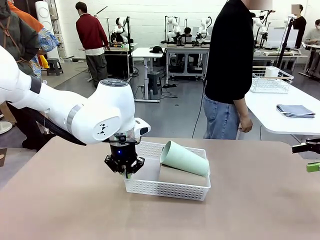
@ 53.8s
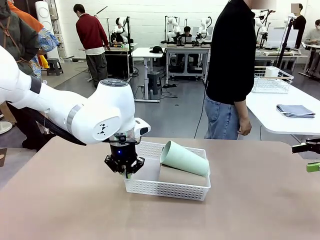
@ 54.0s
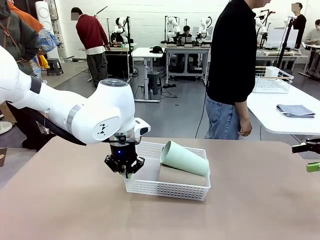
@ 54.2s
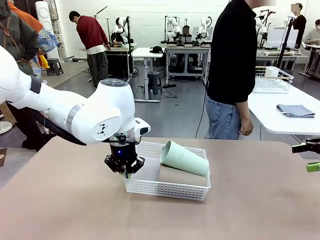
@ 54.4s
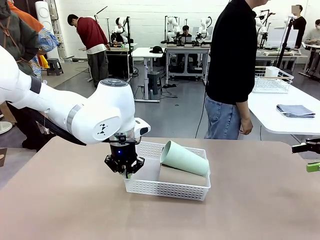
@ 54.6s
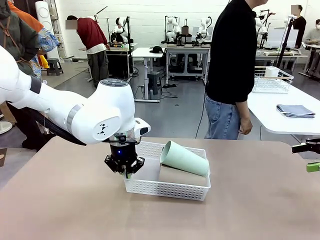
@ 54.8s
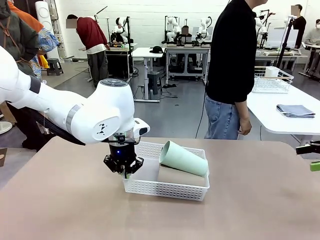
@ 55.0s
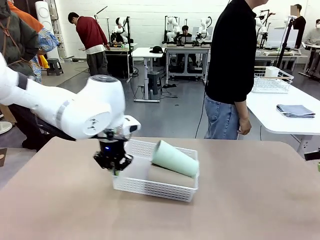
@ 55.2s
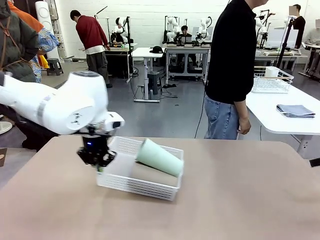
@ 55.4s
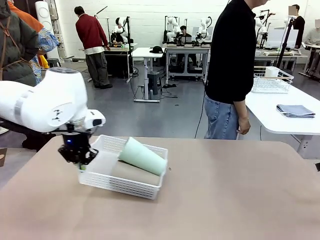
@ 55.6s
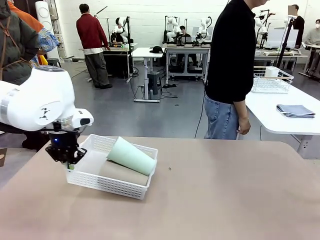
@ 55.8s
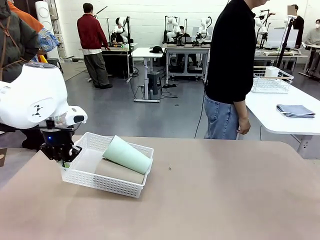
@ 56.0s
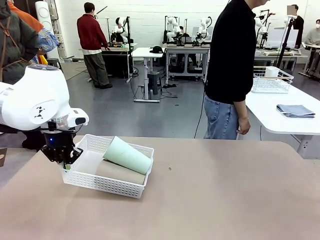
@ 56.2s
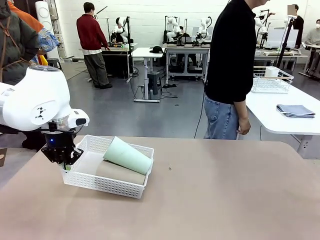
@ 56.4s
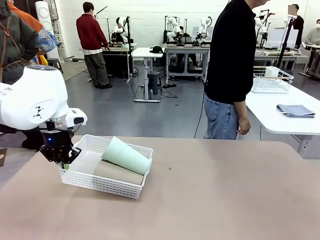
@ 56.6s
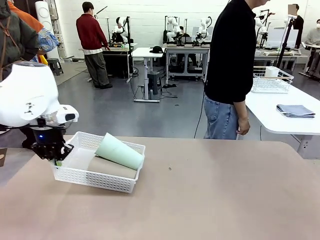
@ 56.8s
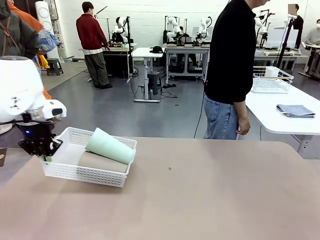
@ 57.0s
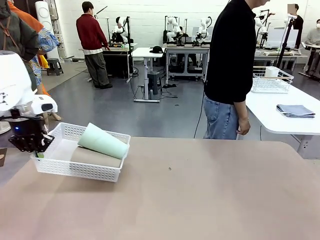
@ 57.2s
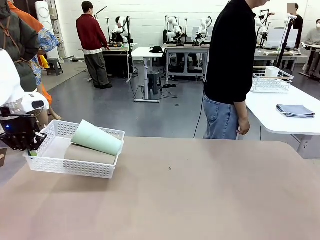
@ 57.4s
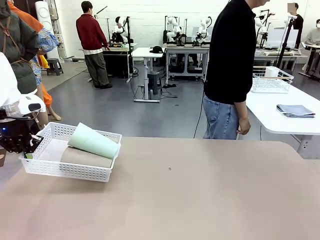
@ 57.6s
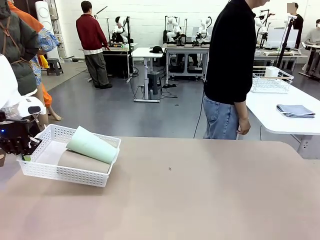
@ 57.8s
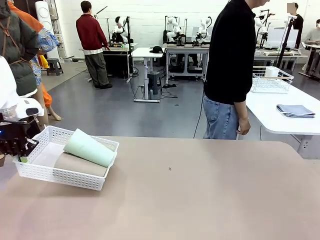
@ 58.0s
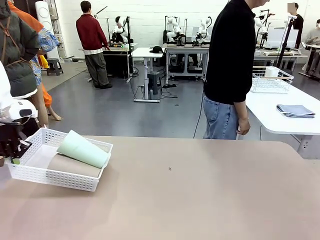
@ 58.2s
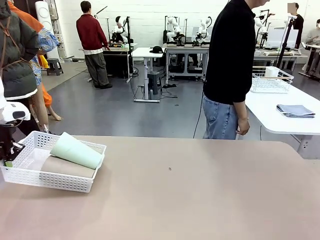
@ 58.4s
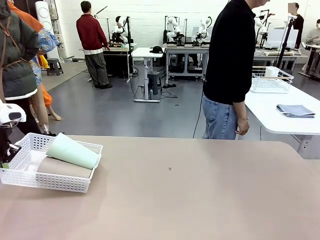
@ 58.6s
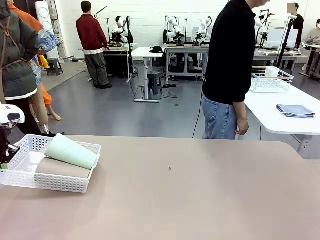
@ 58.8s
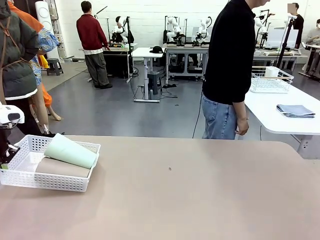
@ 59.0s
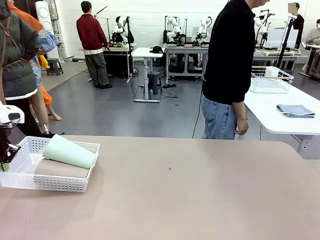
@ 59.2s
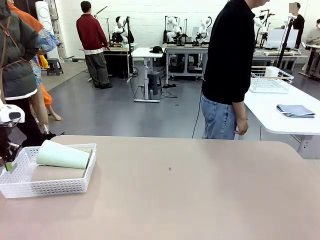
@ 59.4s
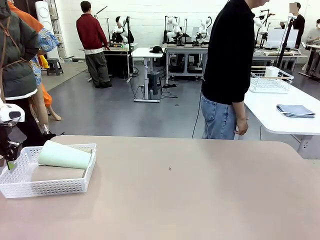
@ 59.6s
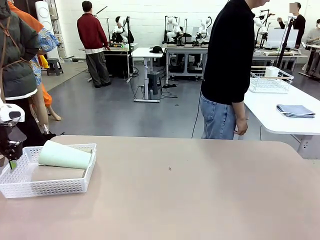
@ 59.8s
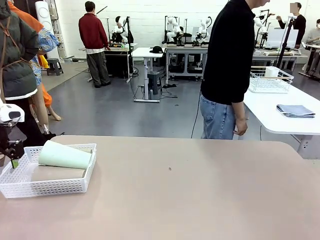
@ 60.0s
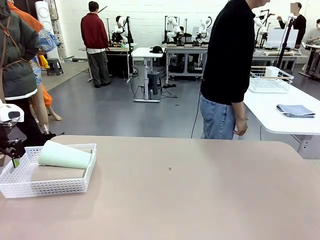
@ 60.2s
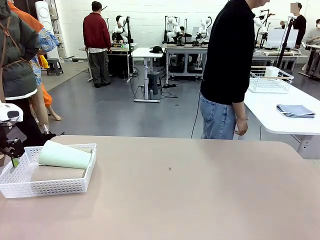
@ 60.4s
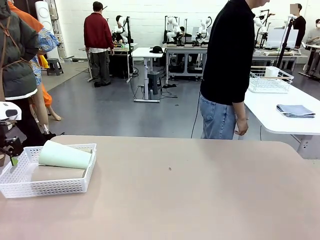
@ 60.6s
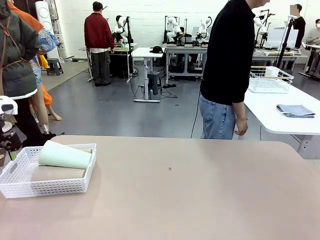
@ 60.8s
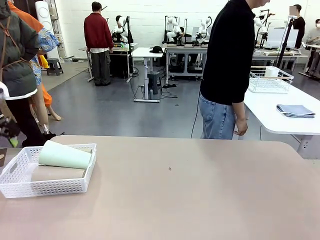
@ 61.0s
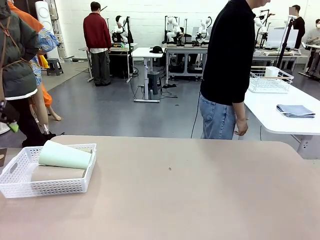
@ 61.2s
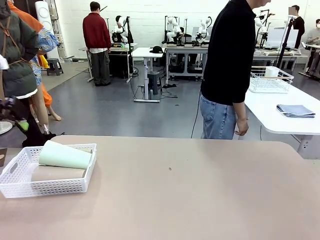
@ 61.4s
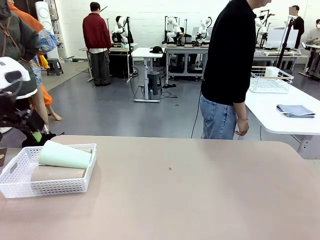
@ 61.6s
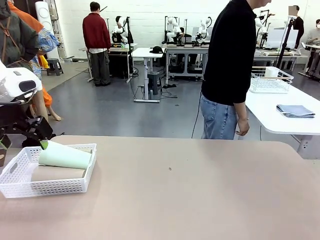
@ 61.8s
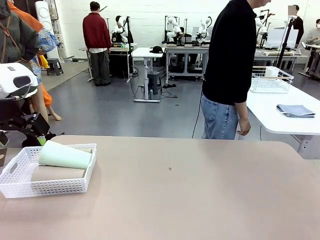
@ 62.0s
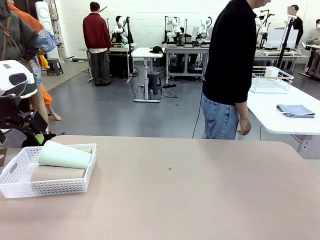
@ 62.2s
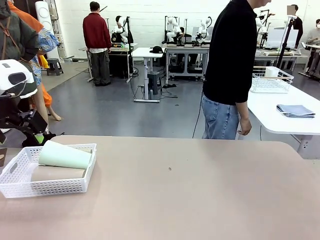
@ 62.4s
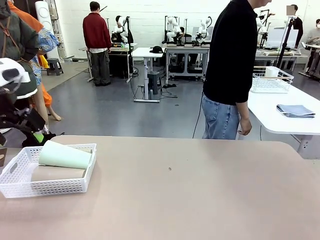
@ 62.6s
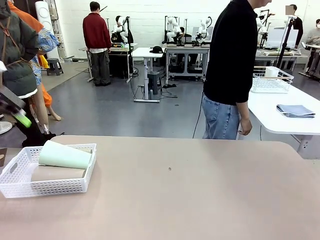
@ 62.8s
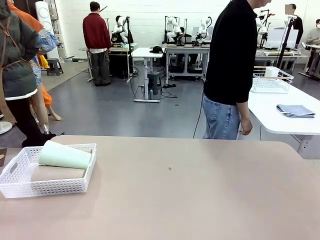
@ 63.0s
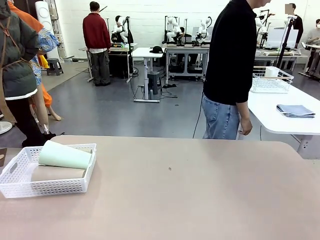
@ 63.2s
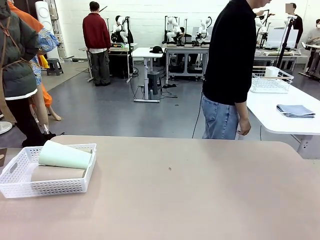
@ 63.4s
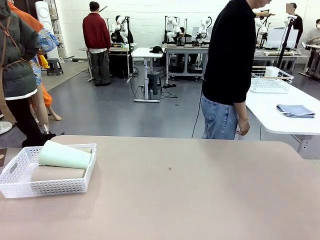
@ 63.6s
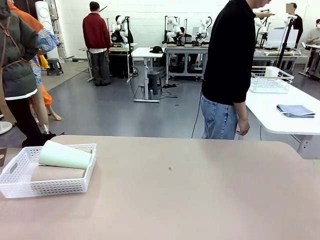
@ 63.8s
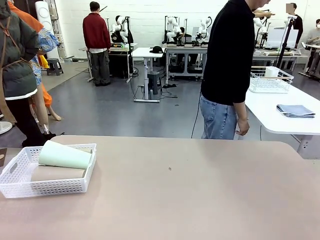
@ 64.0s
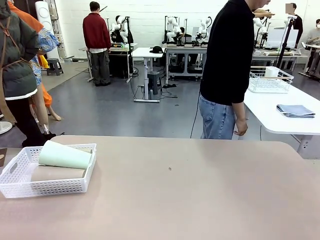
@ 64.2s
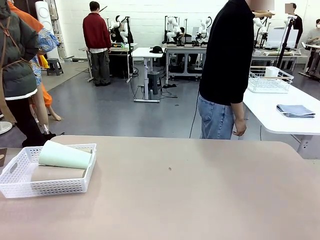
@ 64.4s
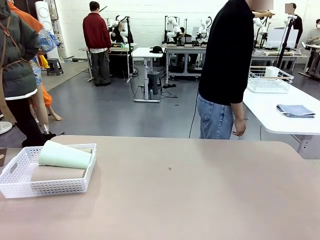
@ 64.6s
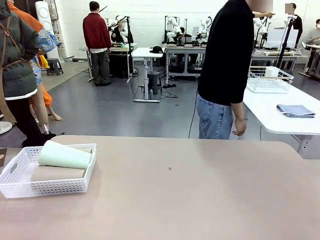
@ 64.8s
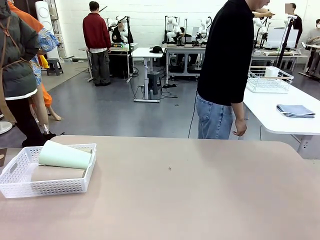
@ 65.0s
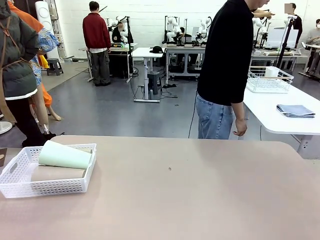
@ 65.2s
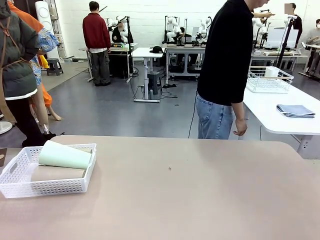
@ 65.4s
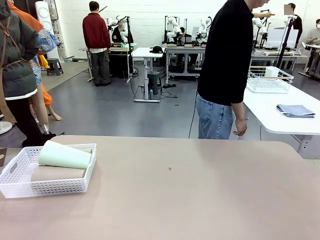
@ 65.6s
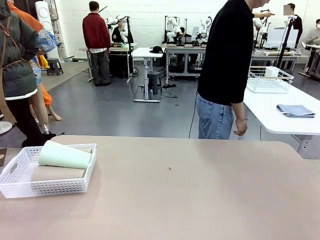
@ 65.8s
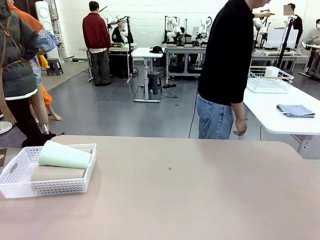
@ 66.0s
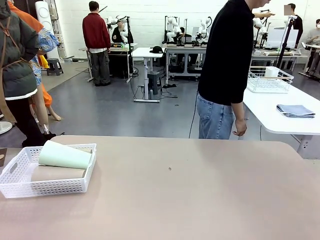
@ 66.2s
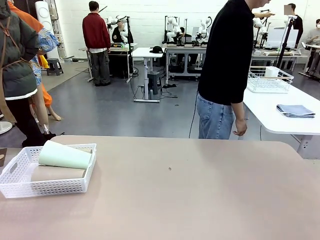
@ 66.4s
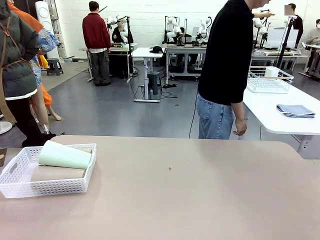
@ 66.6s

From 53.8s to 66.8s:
Task: Clean and organize the cups into the basket.
Robot: Move the Organizing basket back to the left side of the table.
Person: Folds the towel in half twice and places it in the right of the table.
